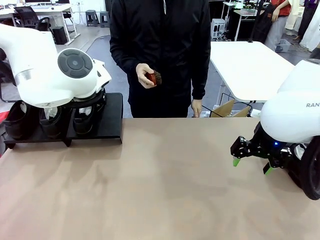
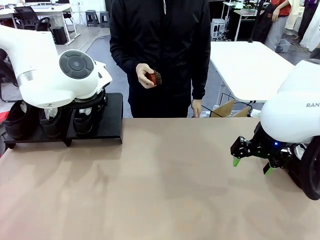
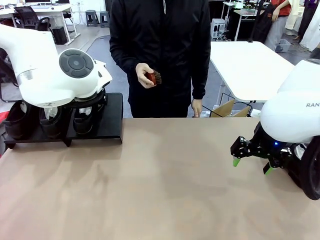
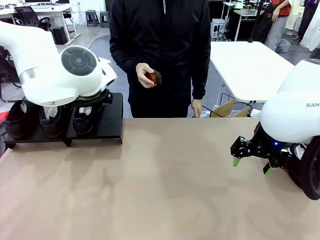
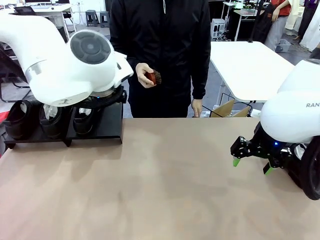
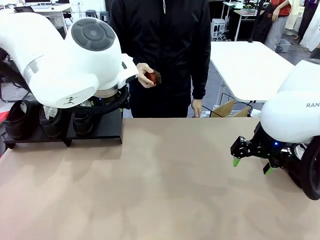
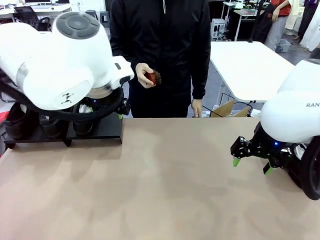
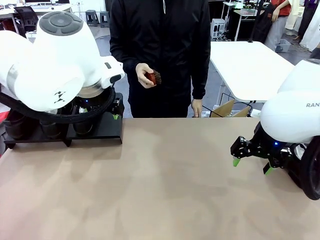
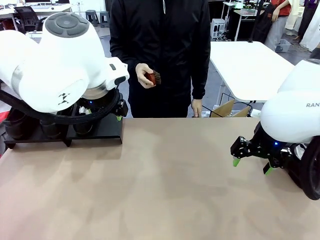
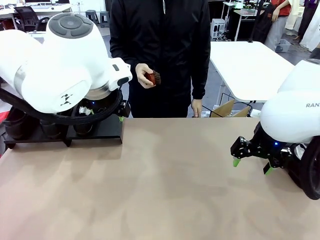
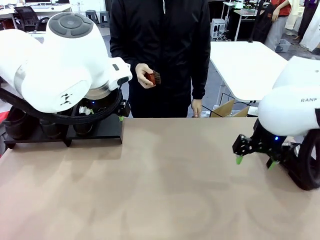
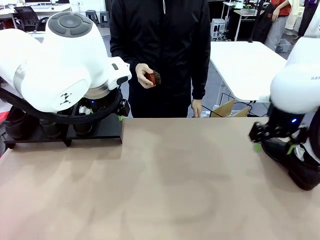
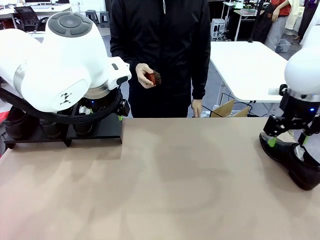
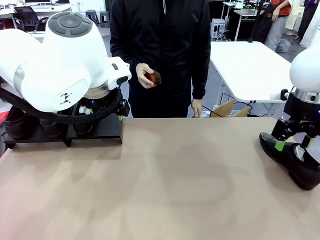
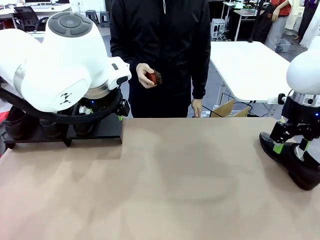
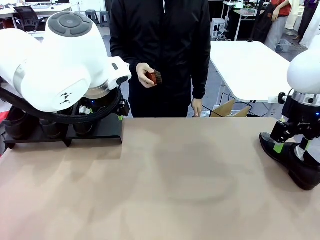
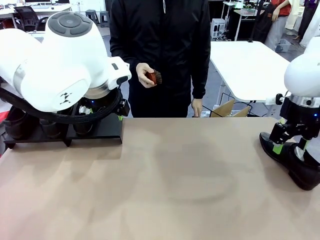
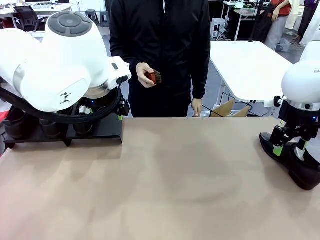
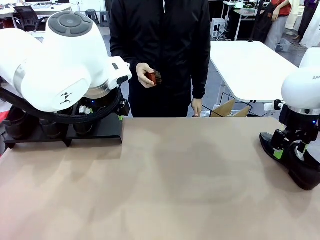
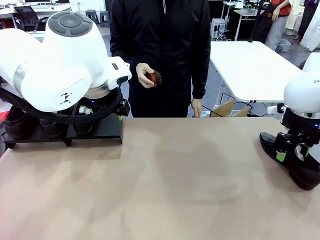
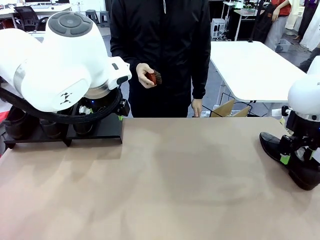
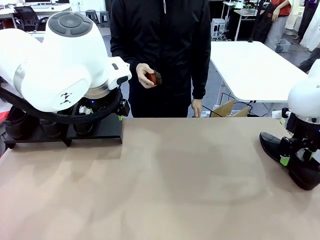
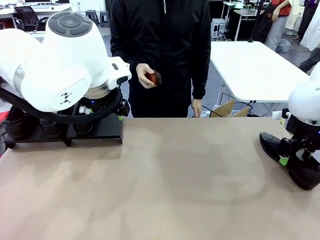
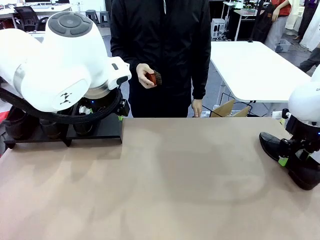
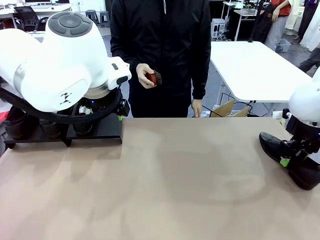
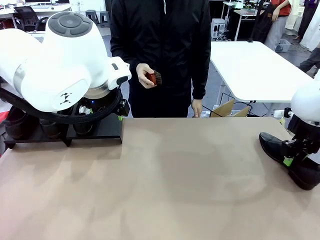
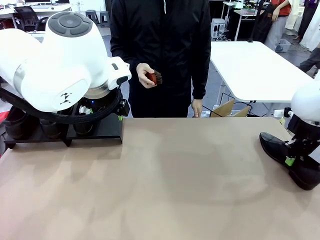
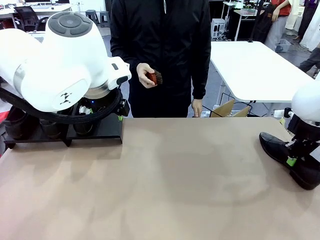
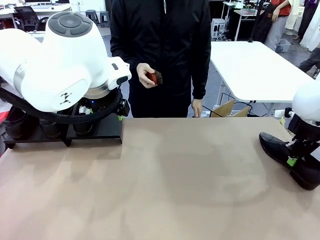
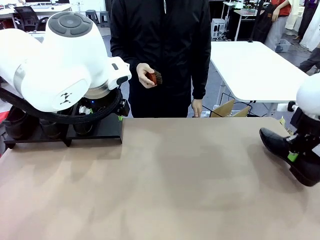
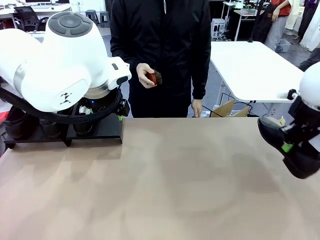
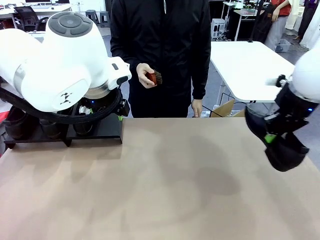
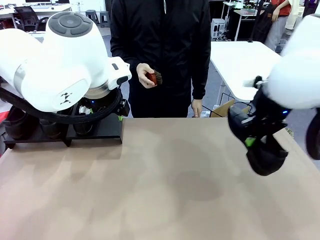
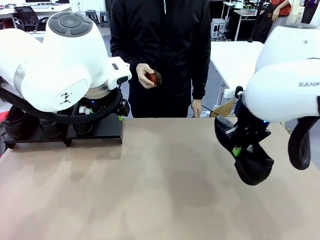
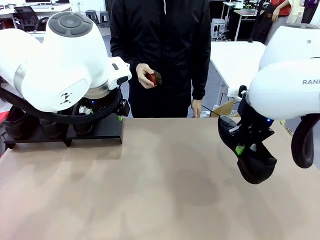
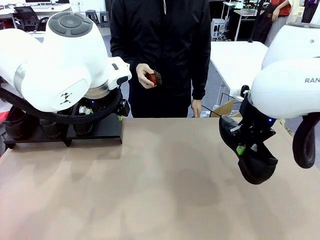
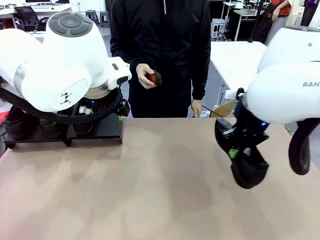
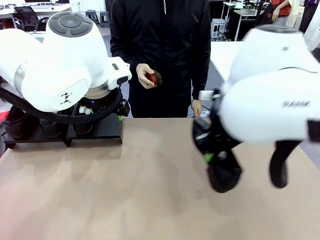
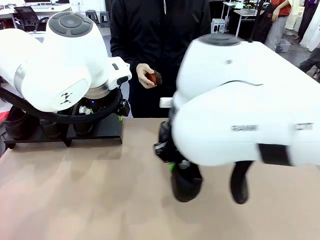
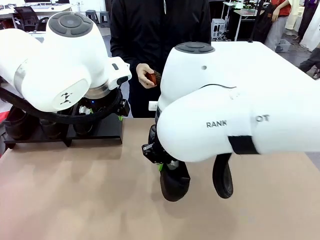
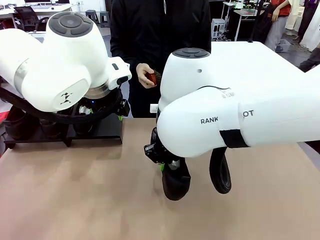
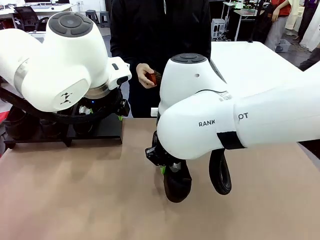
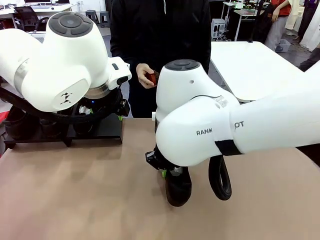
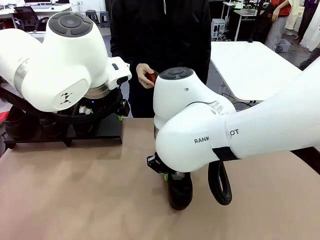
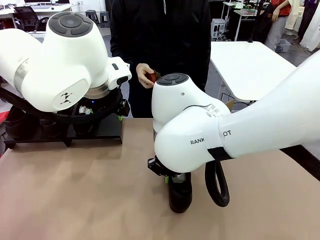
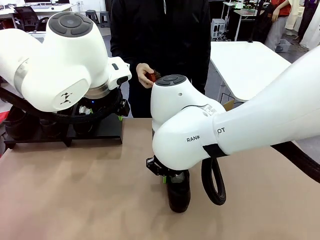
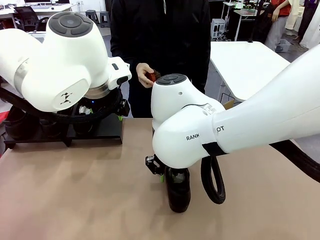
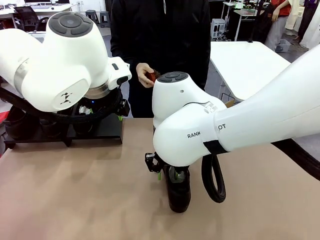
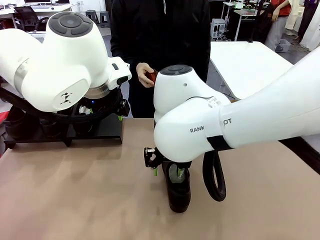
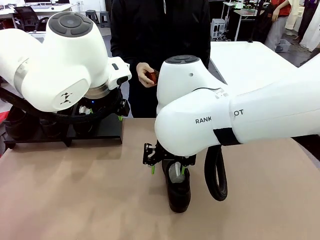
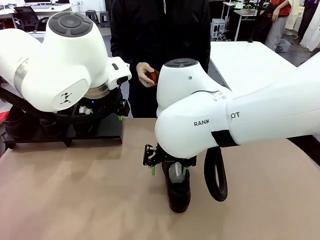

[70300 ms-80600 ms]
Task: Organize the shoes by placing them on the stand.
Robot: Pick up one Shoe and place it in the middle of the table.

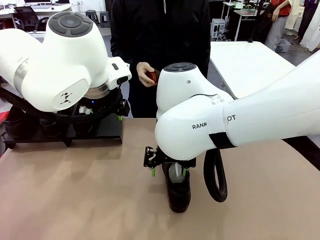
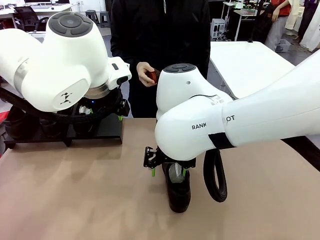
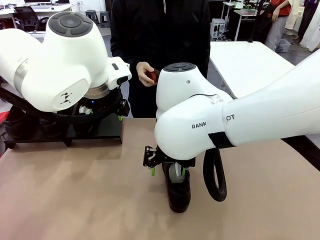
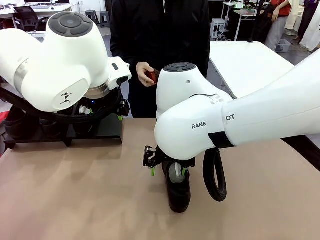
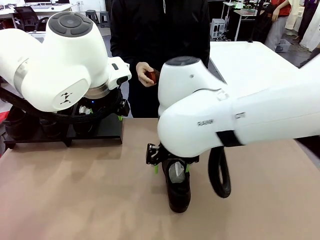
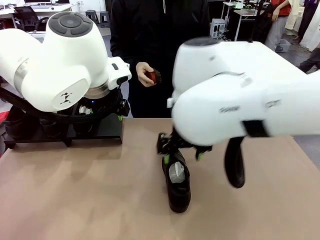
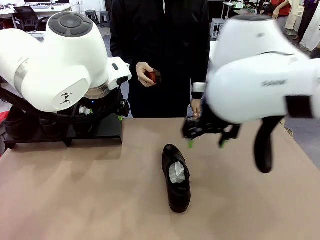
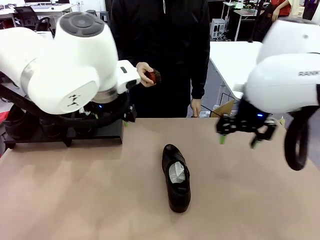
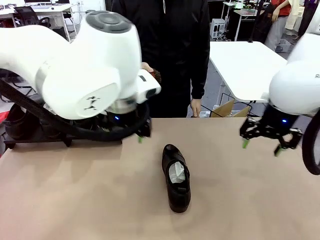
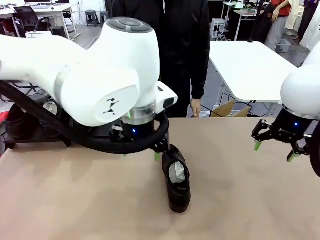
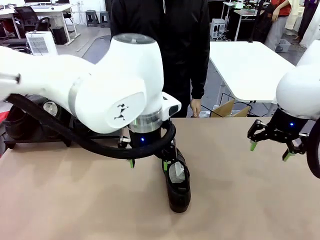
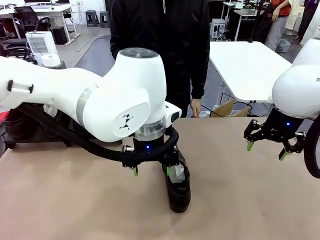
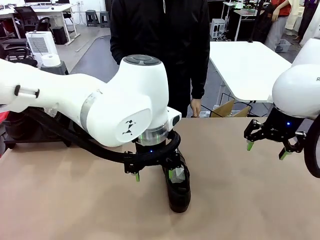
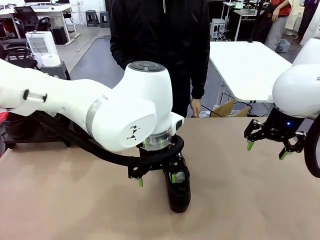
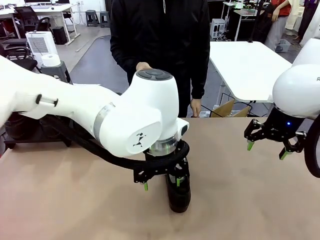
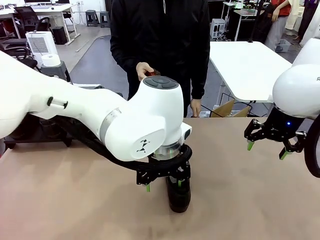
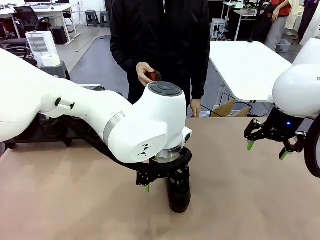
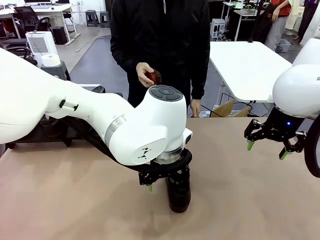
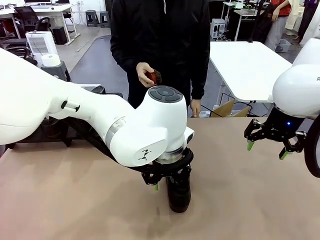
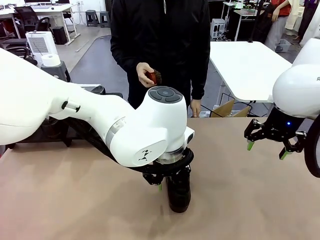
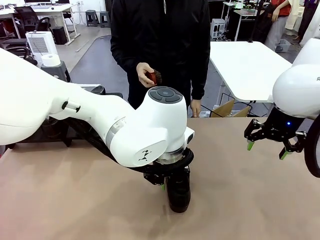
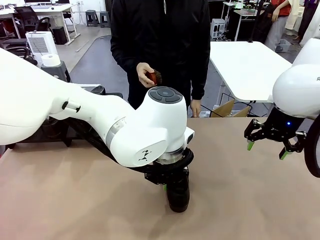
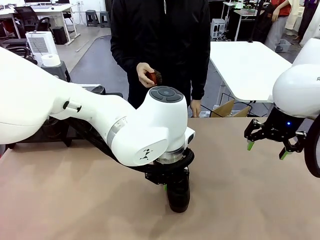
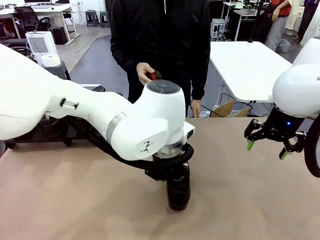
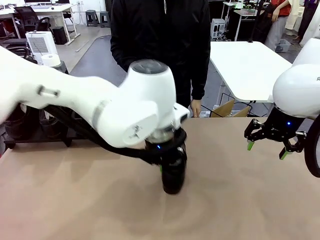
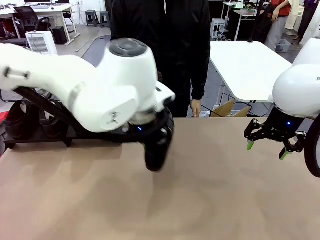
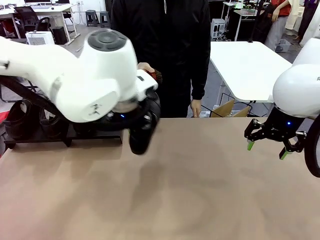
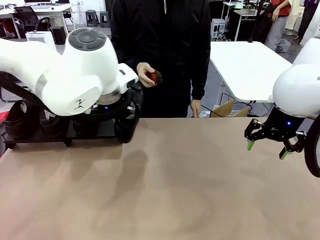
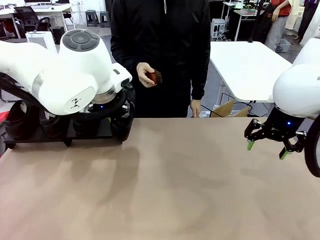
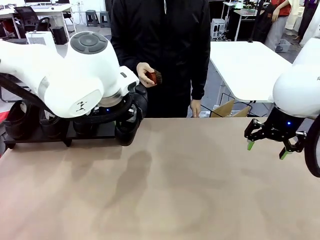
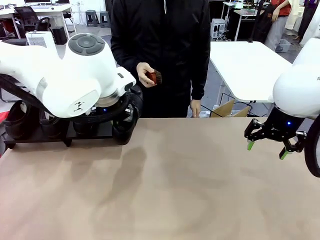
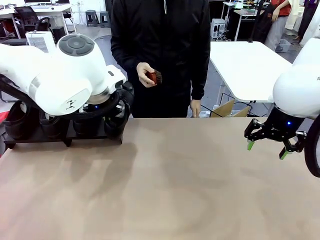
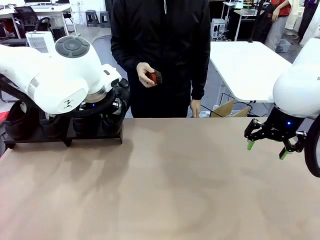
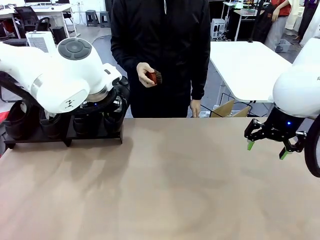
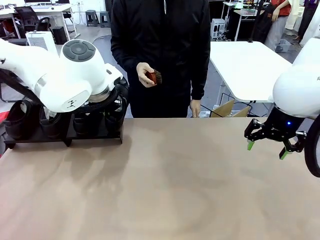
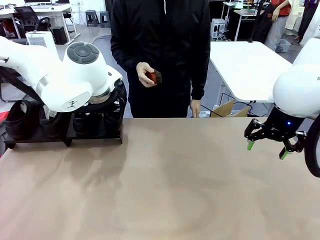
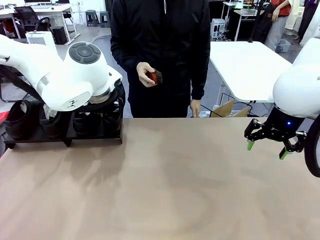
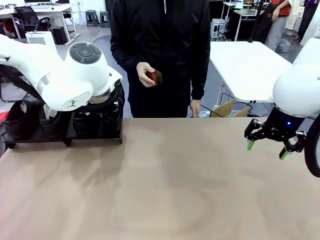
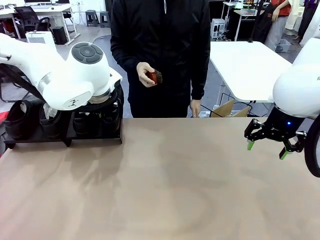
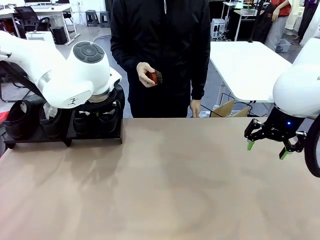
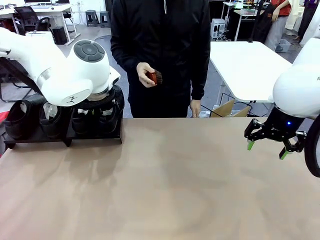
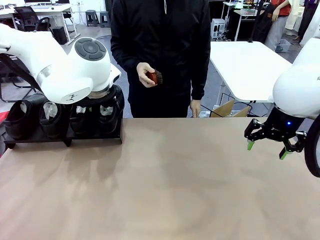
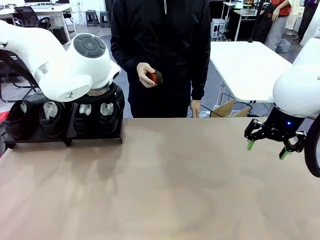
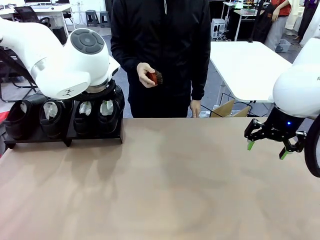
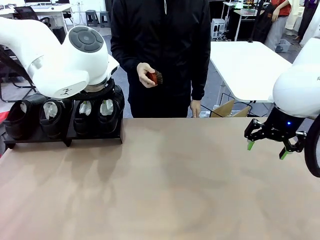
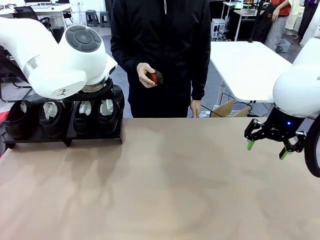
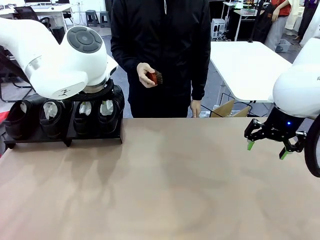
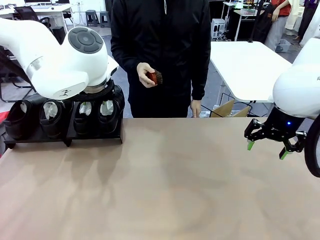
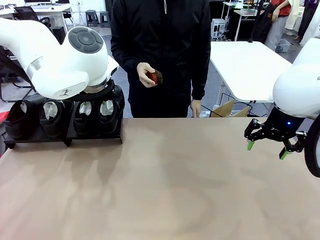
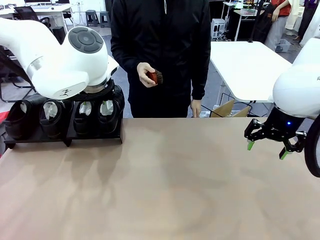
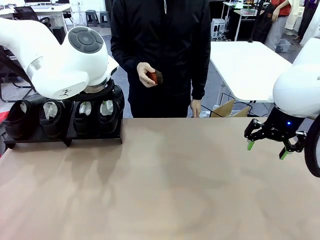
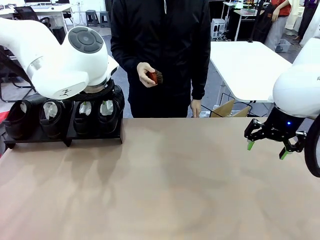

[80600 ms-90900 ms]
Robot: Place the Shoe from the middle of the table onto the Shoes Stand.
